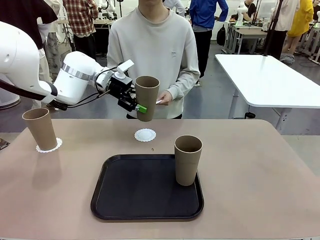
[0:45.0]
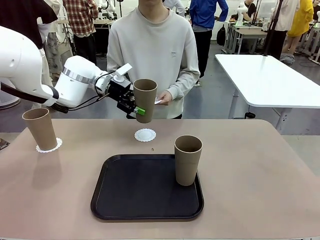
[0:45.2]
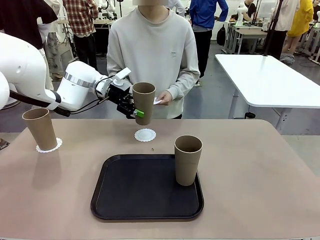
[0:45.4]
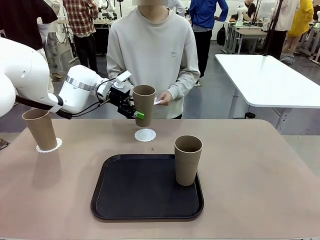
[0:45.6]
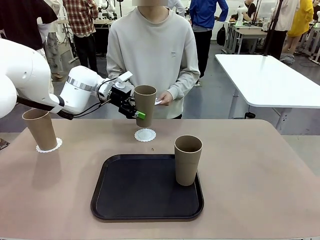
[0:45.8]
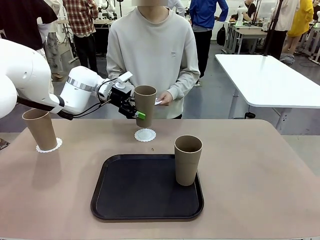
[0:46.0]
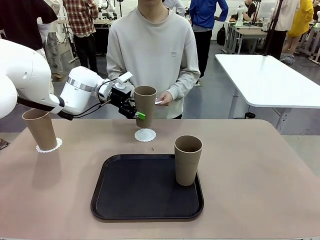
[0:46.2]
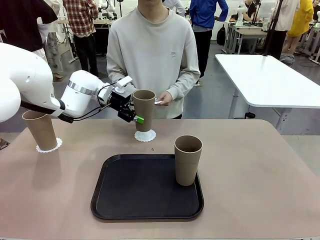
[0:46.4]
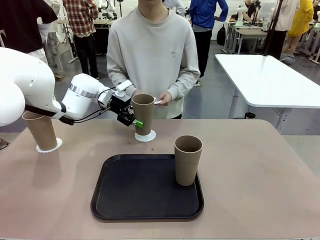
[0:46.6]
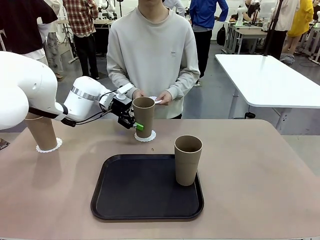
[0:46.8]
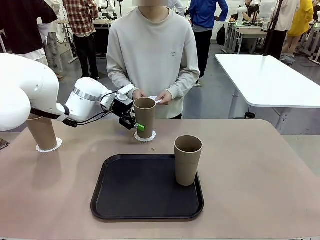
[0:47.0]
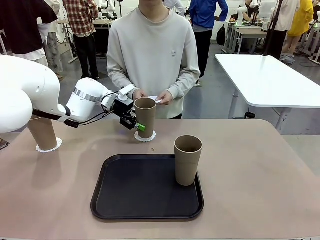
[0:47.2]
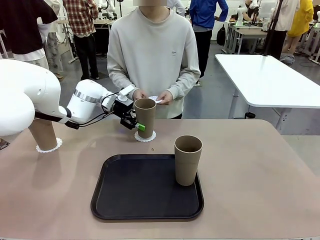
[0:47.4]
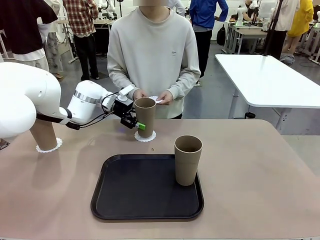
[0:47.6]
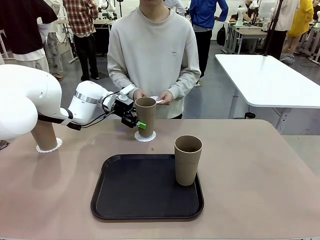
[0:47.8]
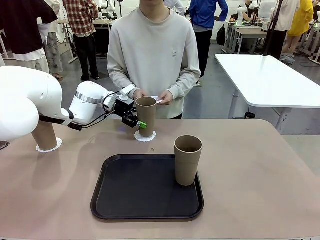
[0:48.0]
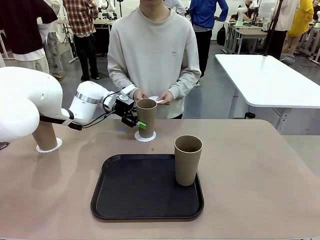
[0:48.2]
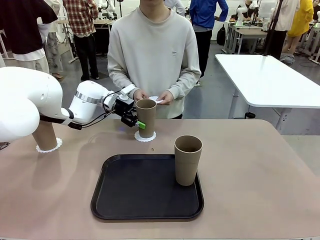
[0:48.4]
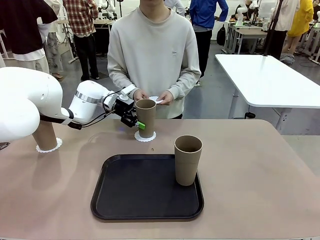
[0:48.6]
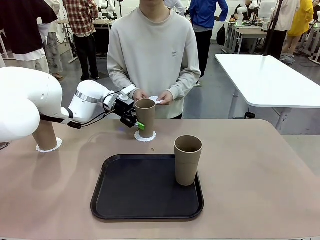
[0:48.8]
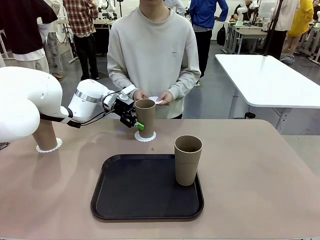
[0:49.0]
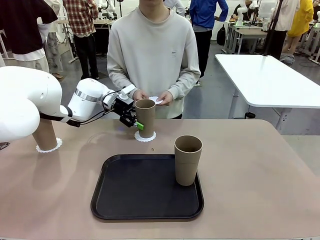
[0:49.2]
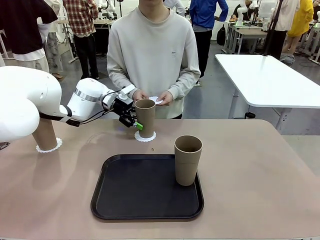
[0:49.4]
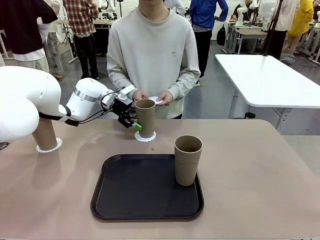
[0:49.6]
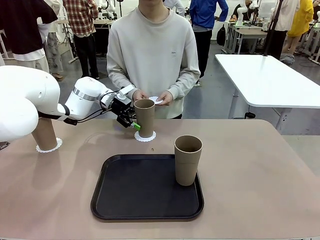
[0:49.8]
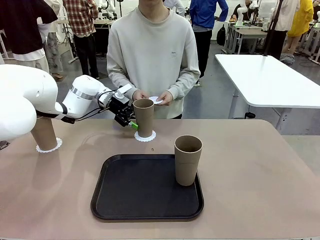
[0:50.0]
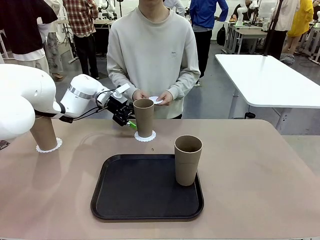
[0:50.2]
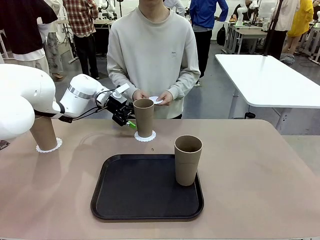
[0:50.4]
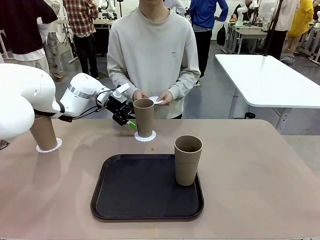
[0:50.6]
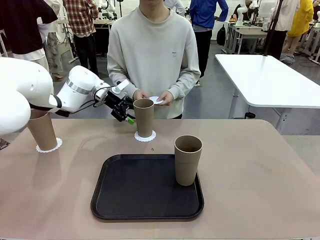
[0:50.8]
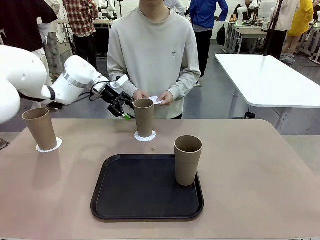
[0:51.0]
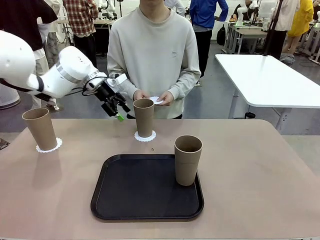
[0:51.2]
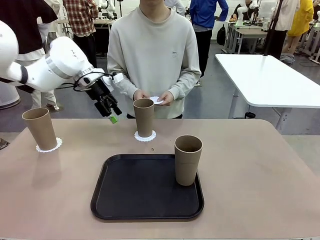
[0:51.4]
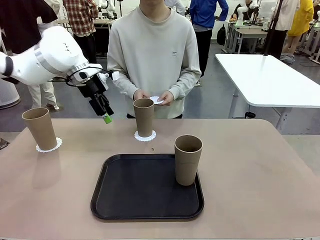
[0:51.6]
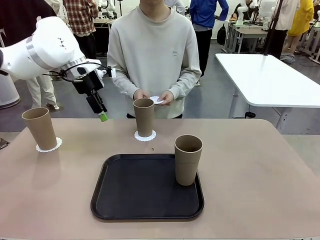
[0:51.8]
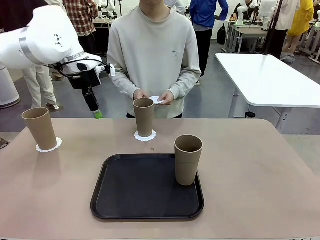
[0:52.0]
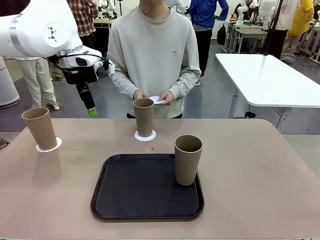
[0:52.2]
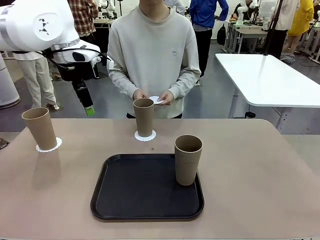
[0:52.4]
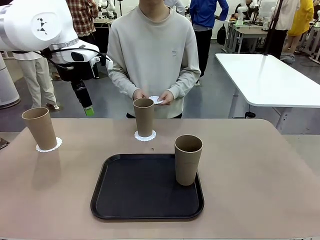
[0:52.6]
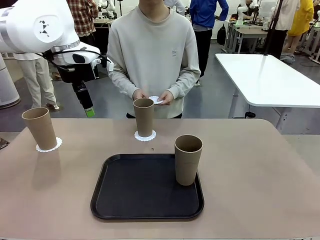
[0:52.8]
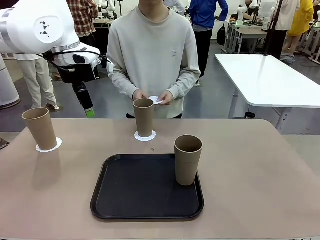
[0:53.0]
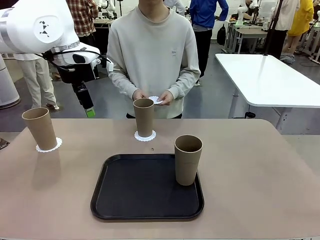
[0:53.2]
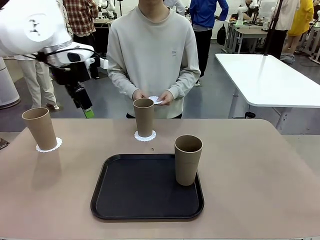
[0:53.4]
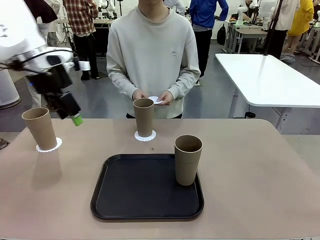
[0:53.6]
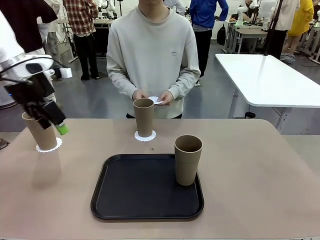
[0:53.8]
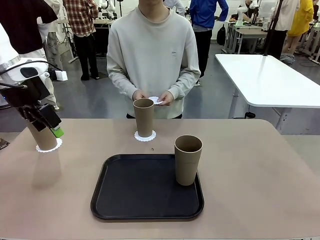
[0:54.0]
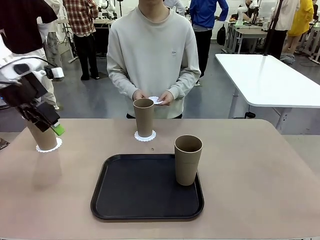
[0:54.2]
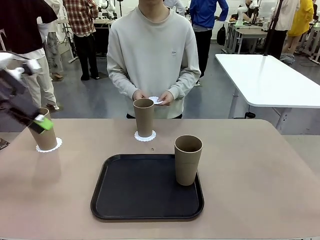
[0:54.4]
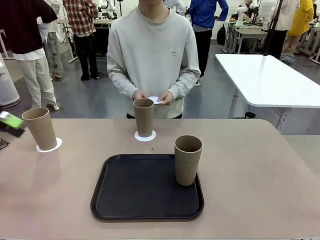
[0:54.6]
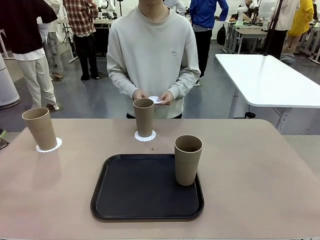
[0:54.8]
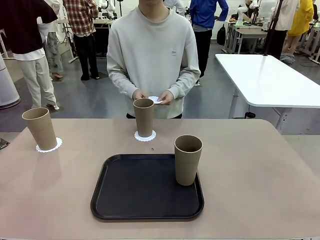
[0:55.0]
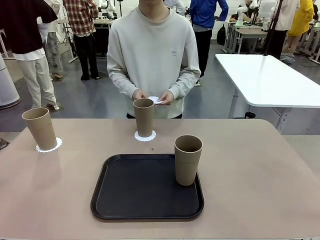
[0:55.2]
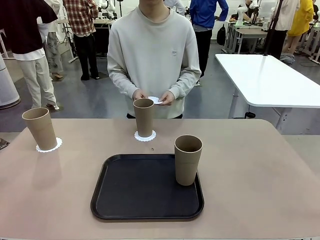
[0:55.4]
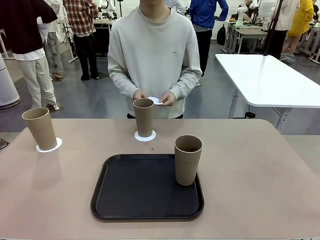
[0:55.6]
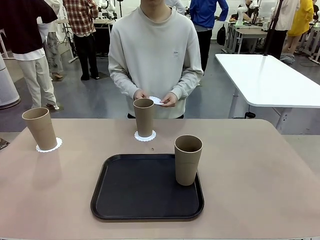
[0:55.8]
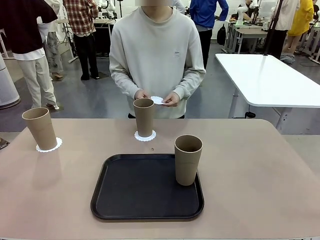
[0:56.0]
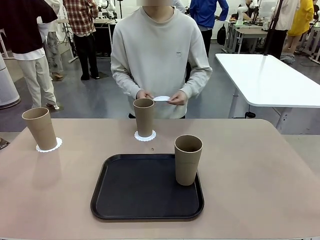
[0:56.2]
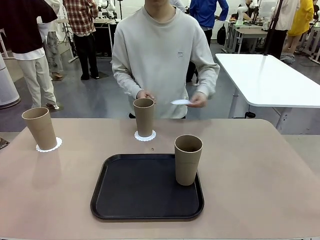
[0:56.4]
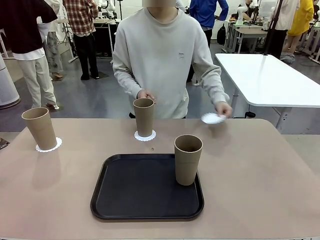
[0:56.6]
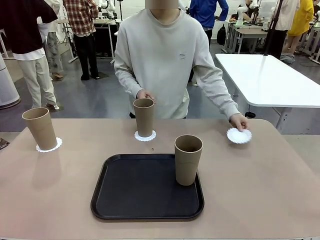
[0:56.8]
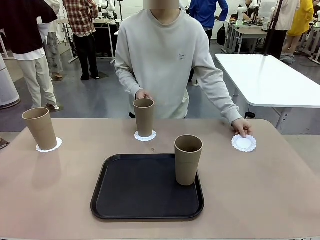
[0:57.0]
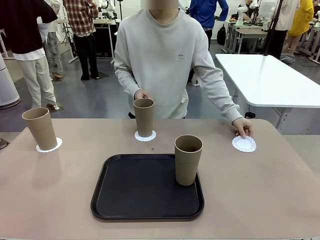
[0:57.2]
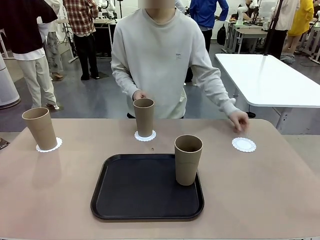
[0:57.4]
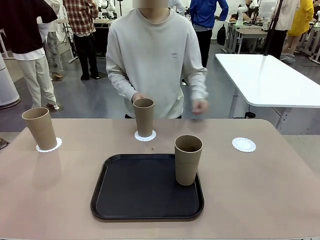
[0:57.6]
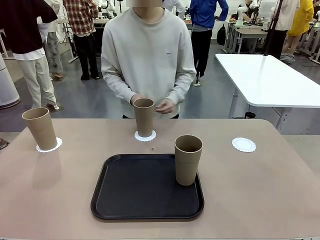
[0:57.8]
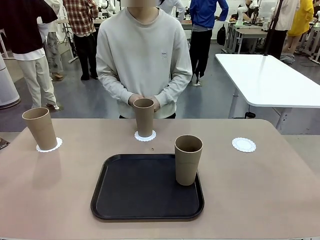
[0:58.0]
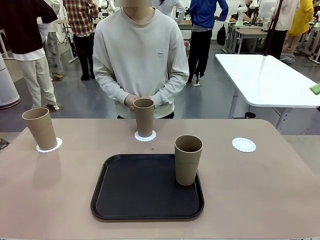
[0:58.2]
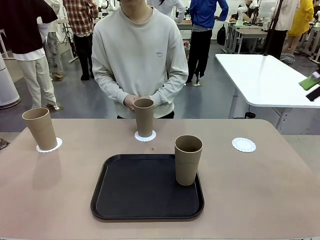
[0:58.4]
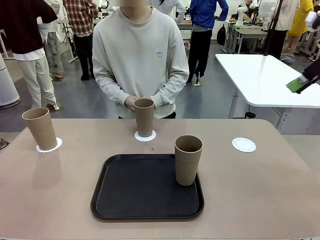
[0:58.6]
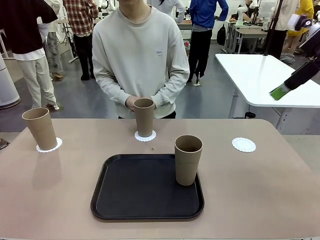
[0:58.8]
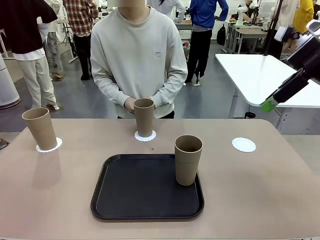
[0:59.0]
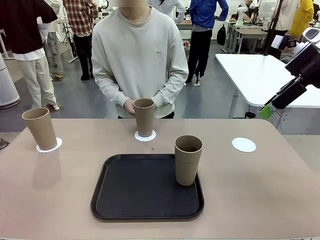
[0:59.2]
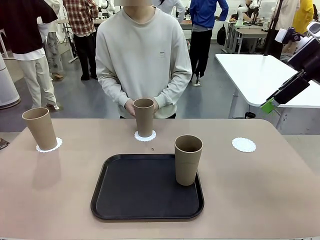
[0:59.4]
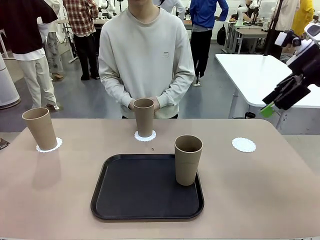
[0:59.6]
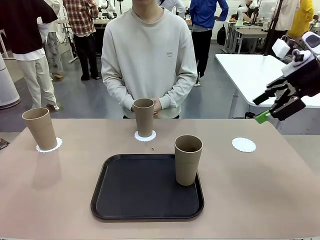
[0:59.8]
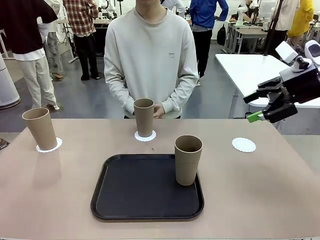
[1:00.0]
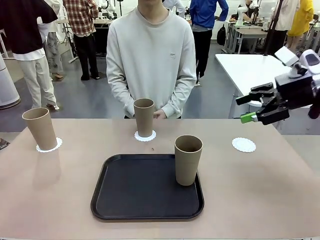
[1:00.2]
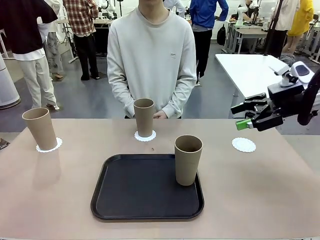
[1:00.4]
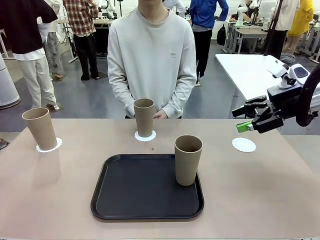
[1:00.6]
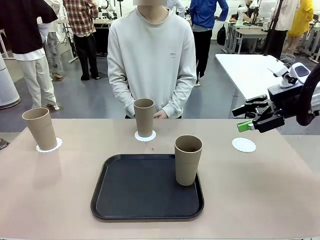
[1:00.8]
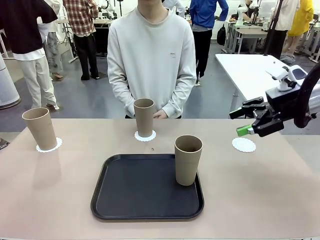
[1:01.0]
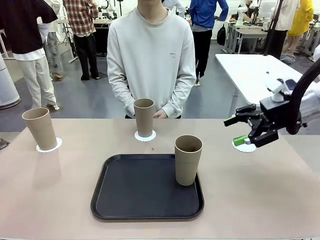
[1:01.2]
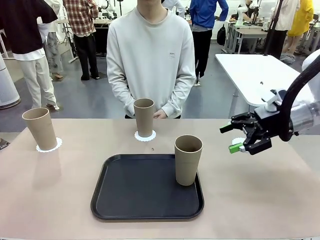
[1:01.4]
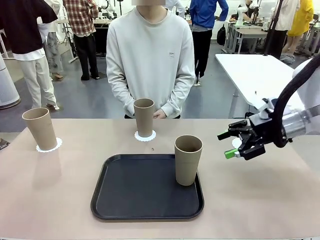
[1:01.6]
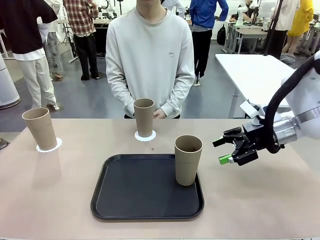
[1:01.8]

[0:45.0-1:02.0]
Task: Place coasters on the table and set cups on them.
Robot: Take one Reusable plastic cup from the Flat Tray and place it on a coaster set by the human.
